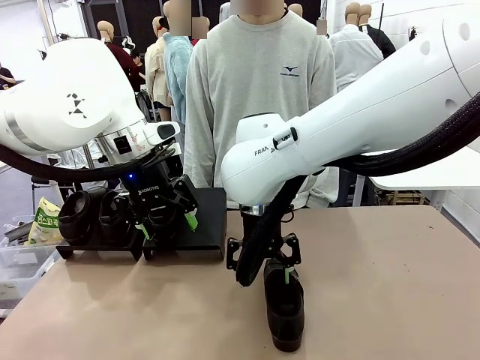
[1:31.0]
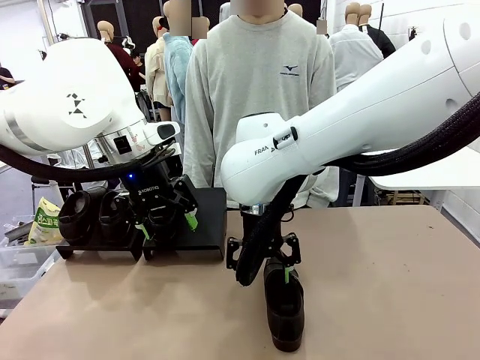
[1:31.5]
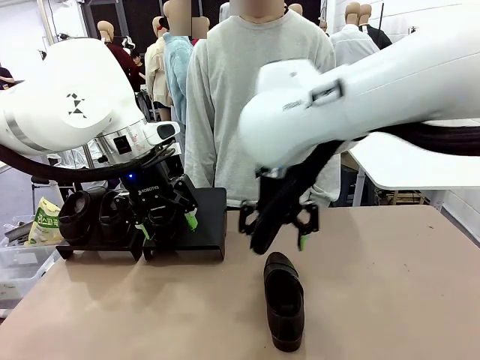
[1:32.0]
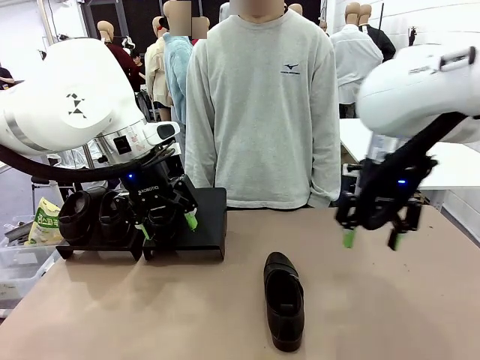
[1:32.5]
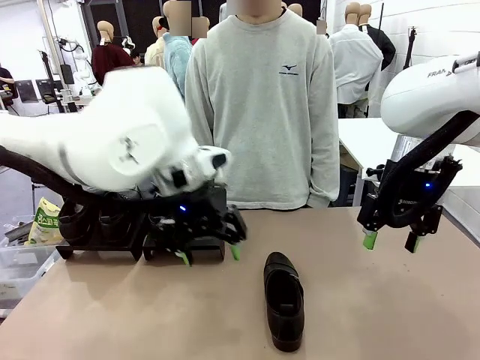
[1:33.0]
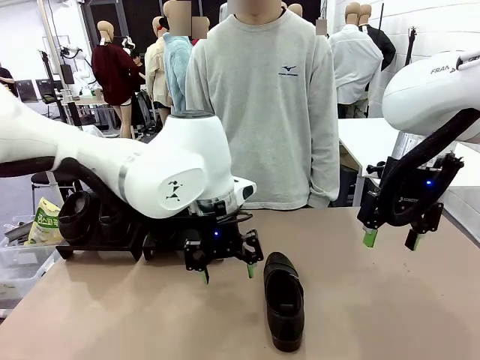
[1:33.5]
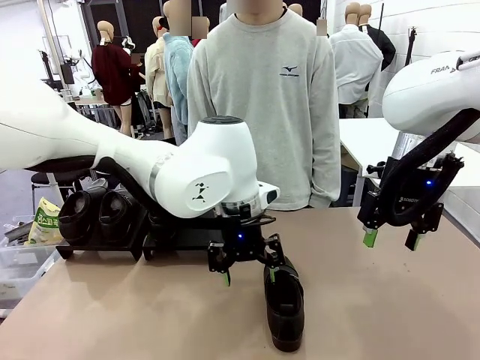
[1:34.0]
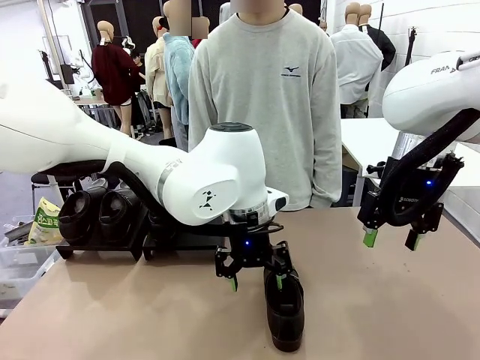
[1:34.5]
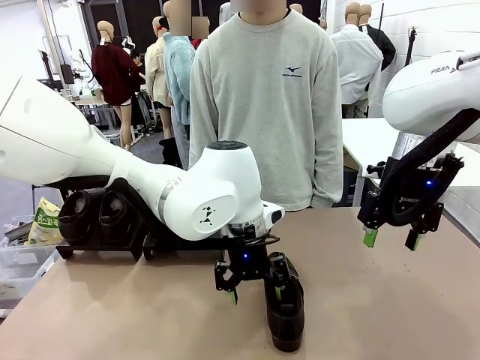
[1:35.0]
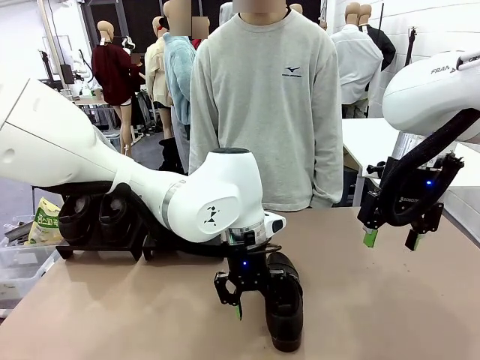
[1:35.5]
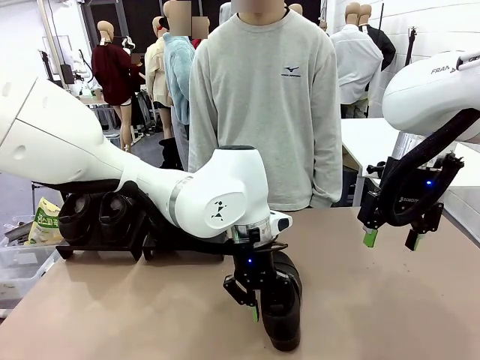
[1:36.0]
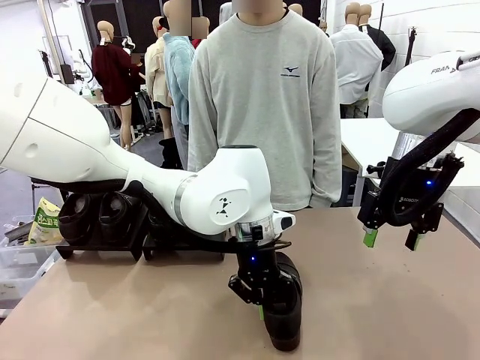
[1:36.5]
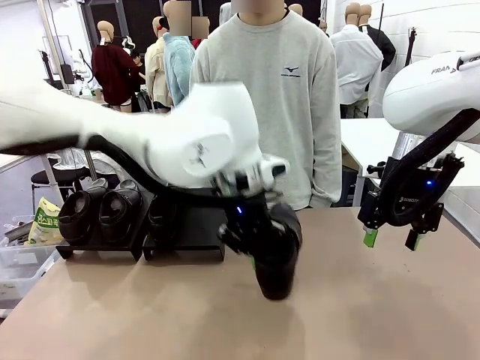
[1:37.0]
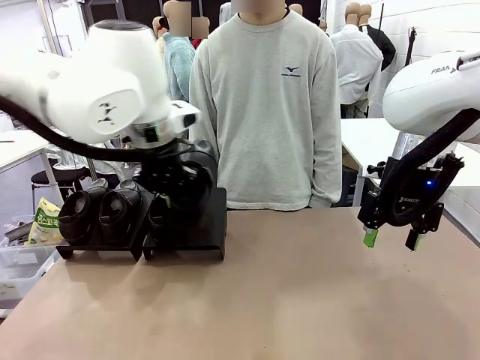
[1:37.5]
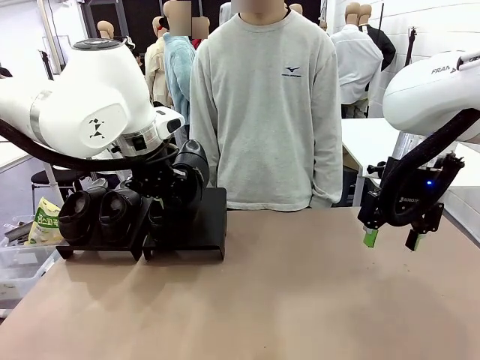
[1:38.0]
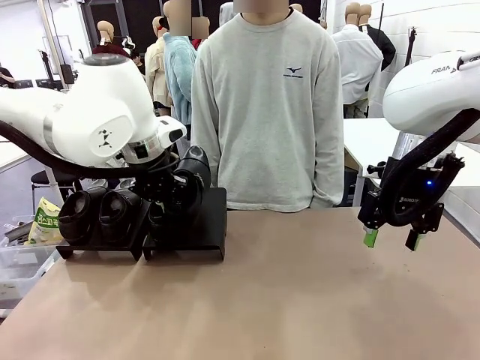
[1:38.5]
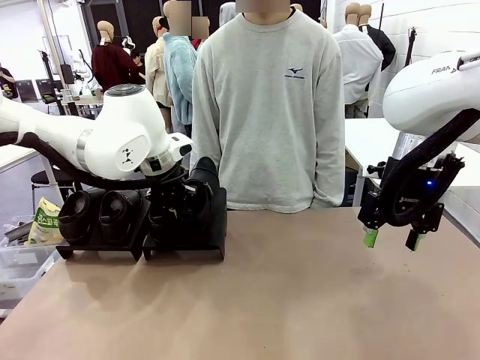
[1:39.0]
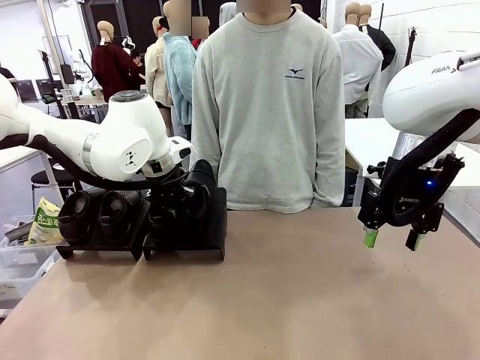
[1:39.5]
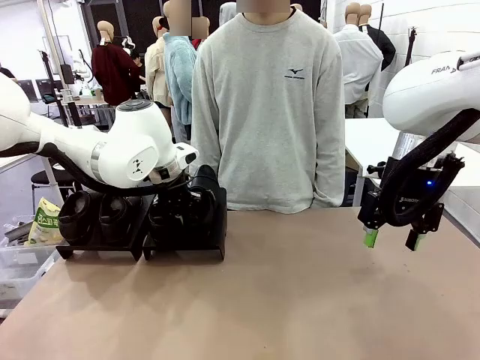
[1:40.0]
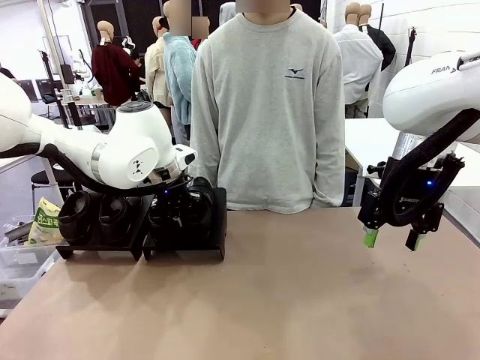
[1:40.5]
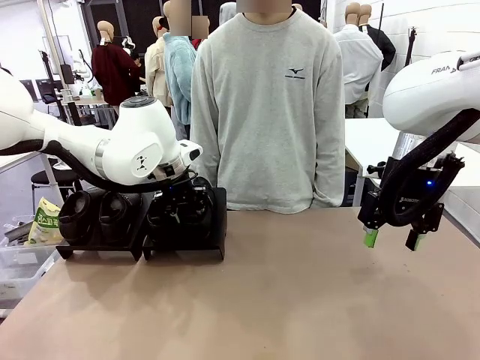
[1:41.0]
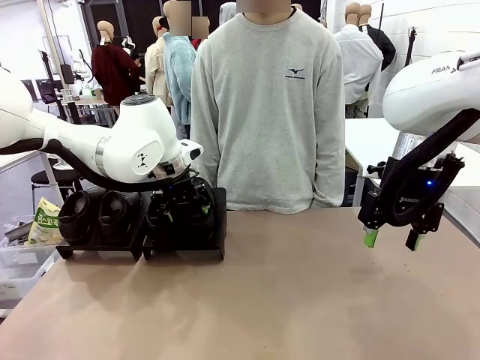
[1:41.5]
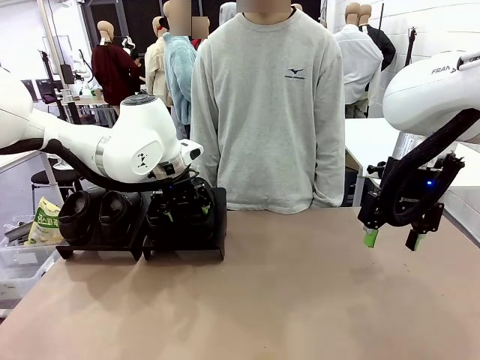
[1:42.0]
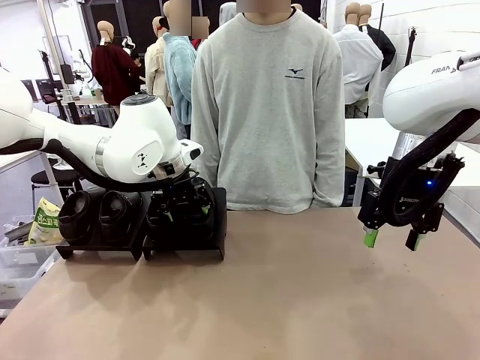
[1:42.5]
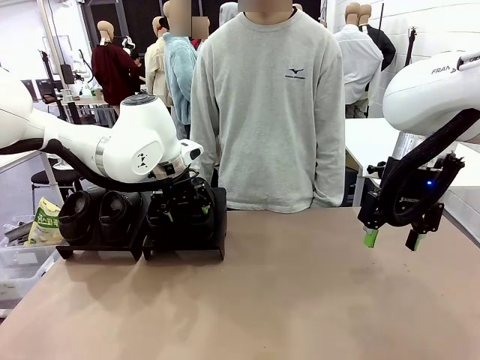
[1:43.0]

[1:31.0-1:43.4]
Task: Organize the shoes by placing them on the stand.
Robot: Place the Shoe from the middle of the table onto the Shoes Stand.

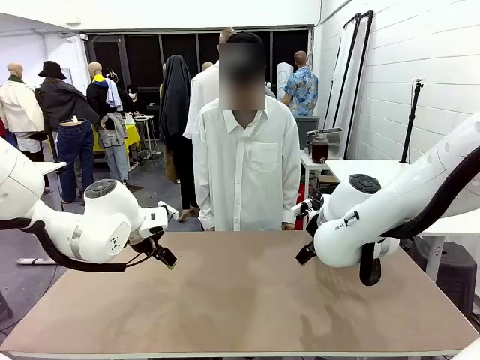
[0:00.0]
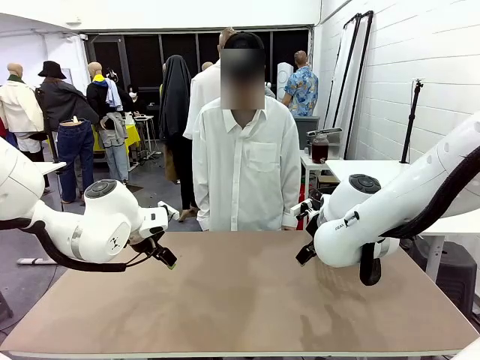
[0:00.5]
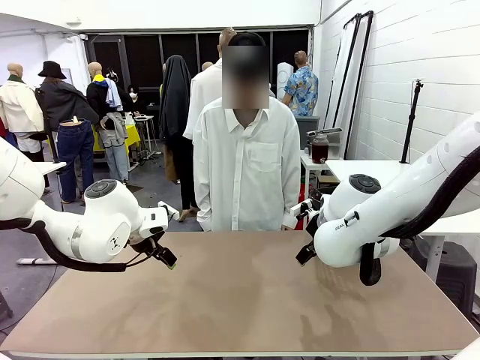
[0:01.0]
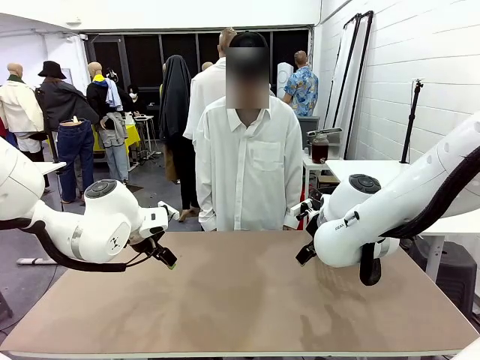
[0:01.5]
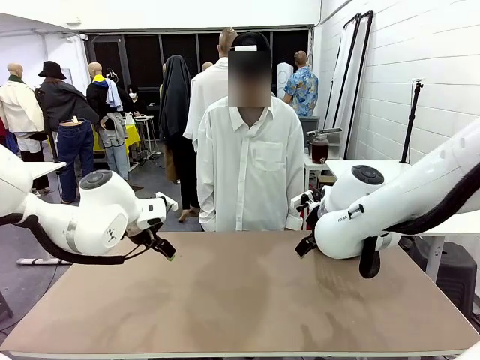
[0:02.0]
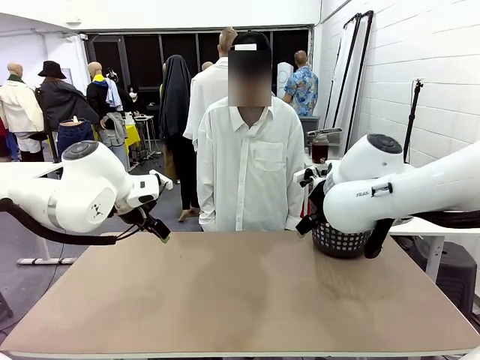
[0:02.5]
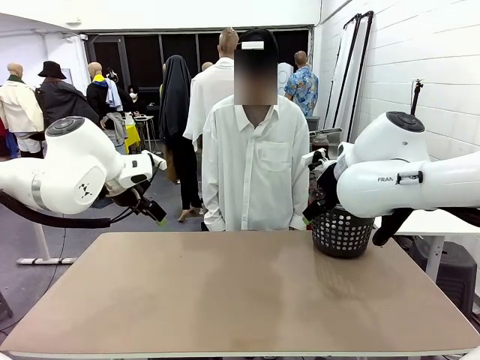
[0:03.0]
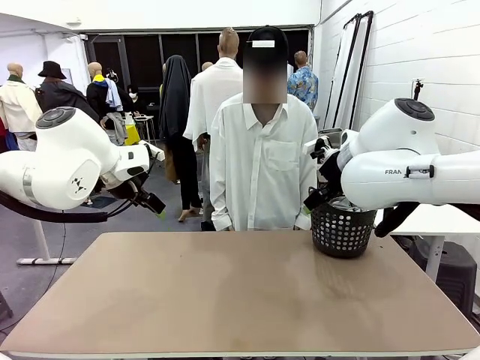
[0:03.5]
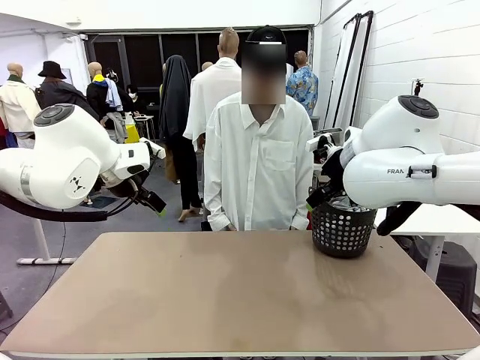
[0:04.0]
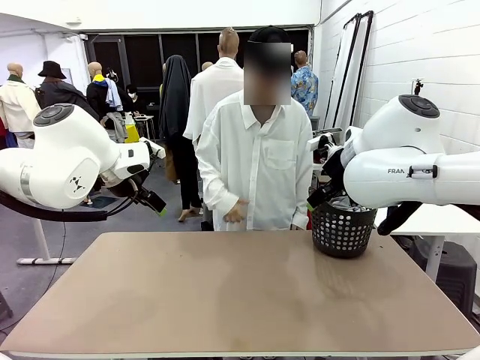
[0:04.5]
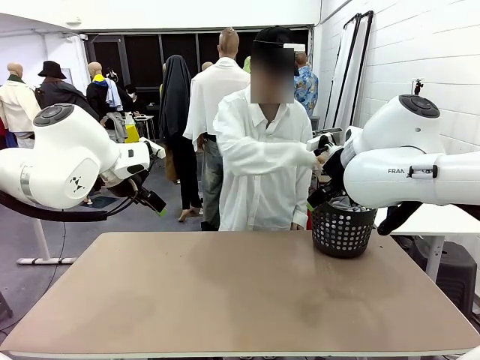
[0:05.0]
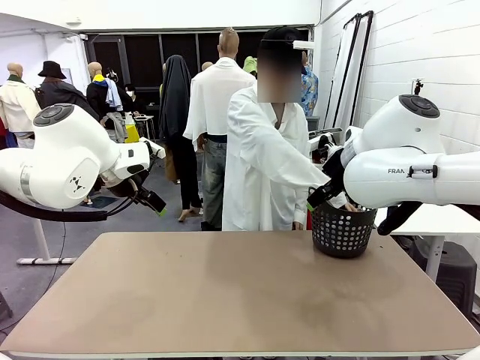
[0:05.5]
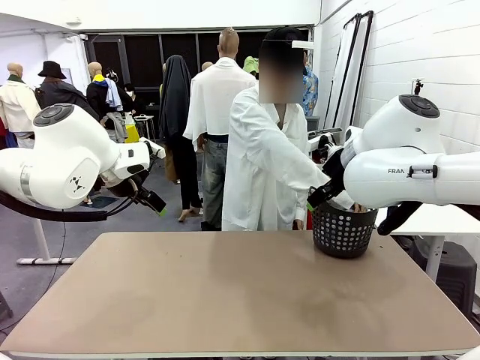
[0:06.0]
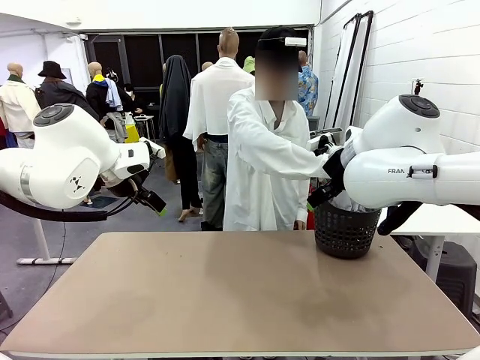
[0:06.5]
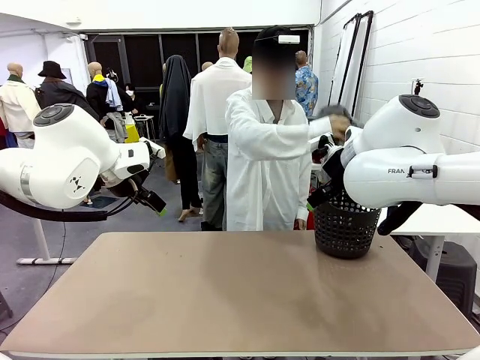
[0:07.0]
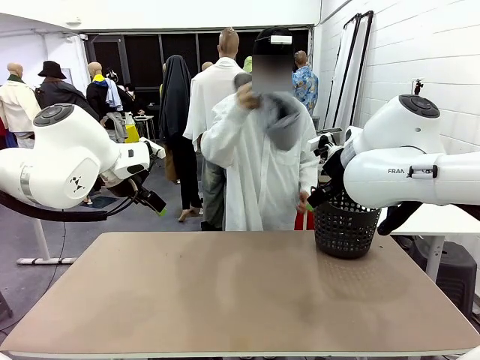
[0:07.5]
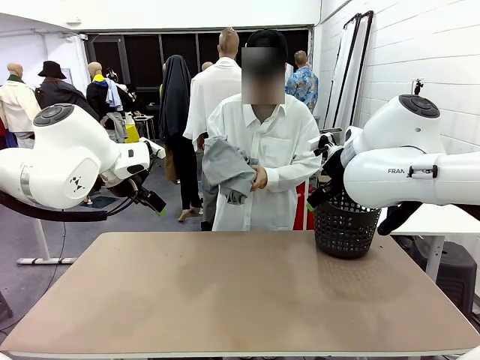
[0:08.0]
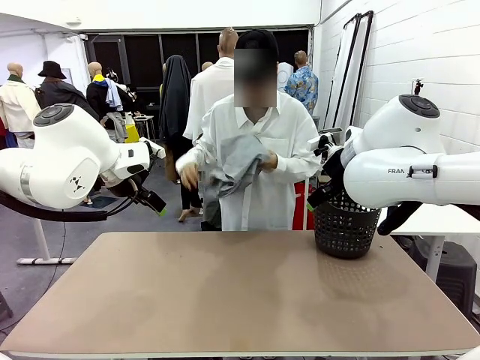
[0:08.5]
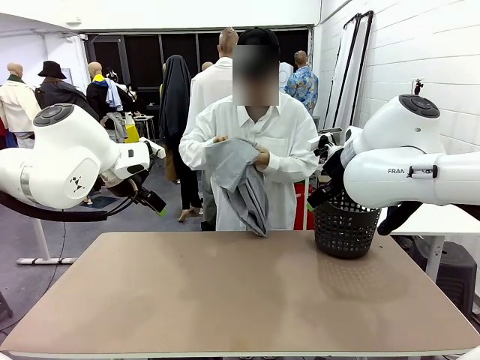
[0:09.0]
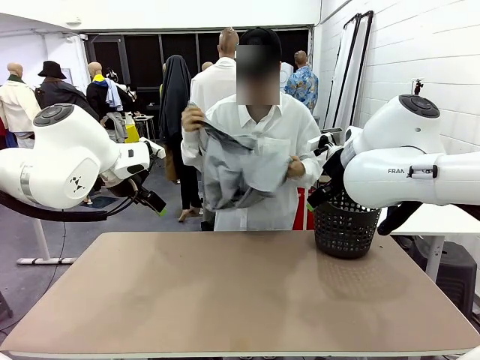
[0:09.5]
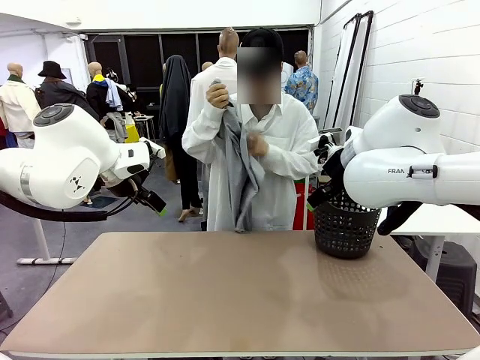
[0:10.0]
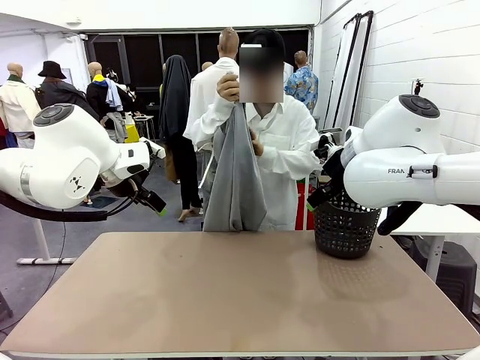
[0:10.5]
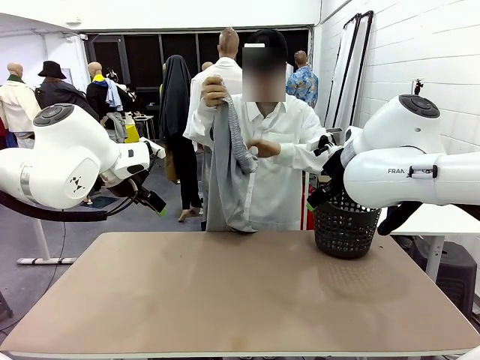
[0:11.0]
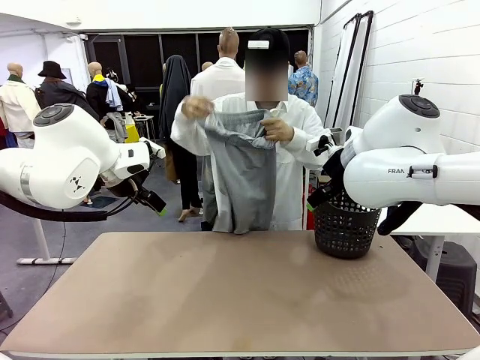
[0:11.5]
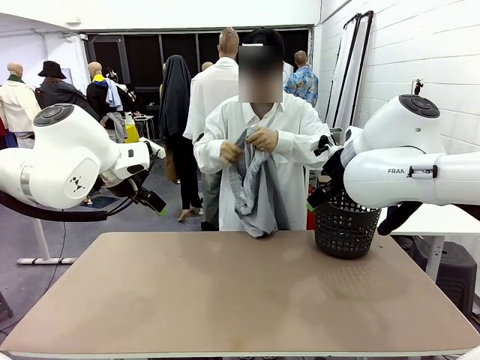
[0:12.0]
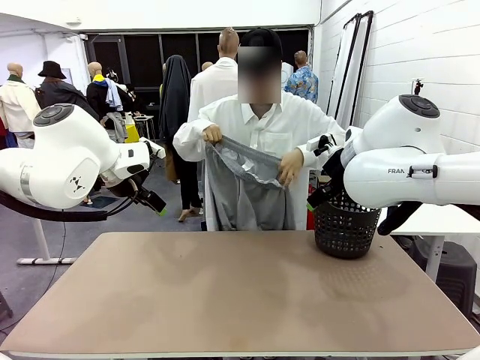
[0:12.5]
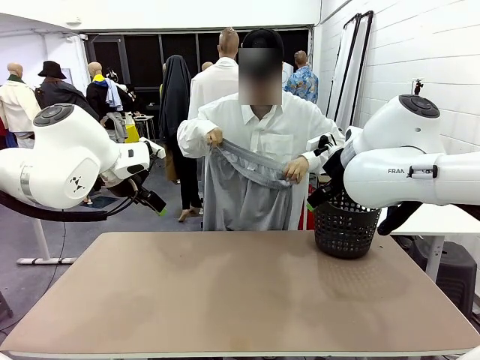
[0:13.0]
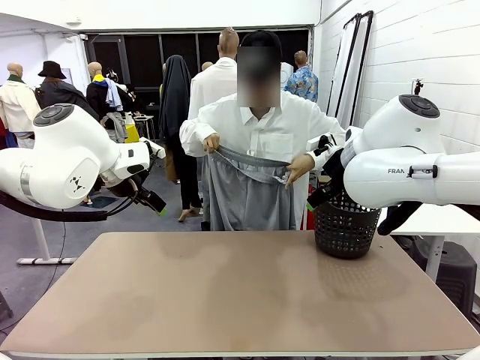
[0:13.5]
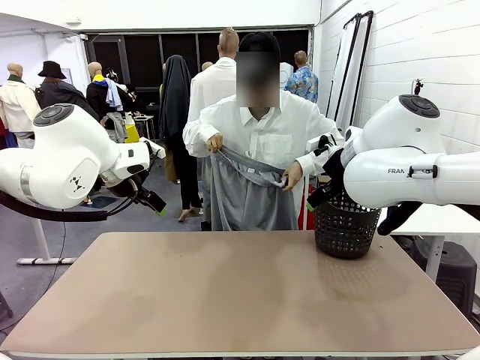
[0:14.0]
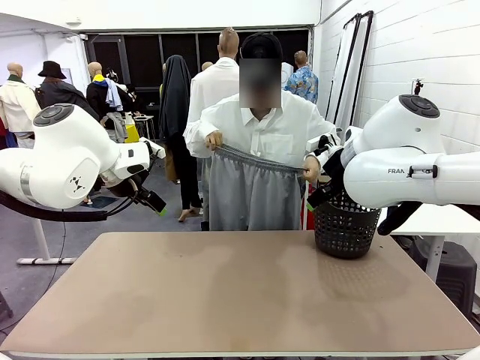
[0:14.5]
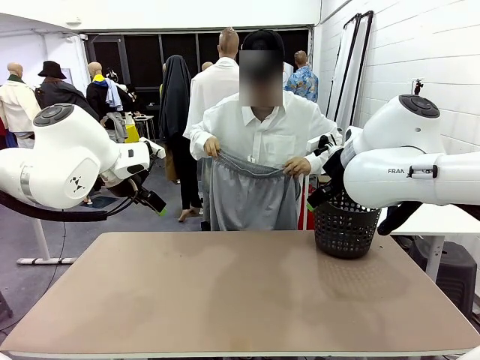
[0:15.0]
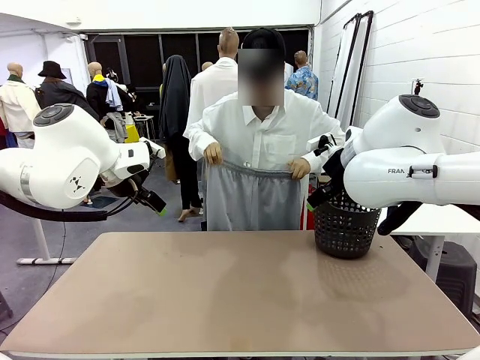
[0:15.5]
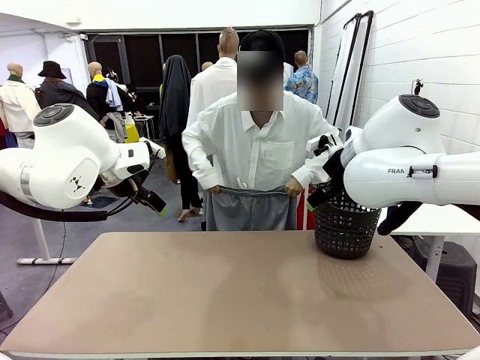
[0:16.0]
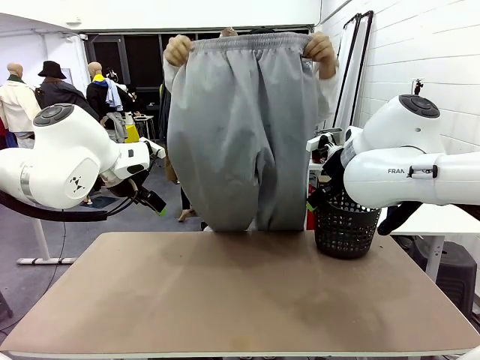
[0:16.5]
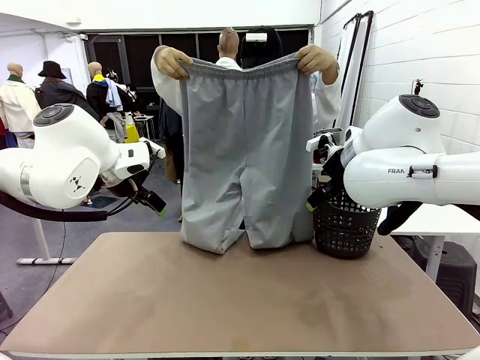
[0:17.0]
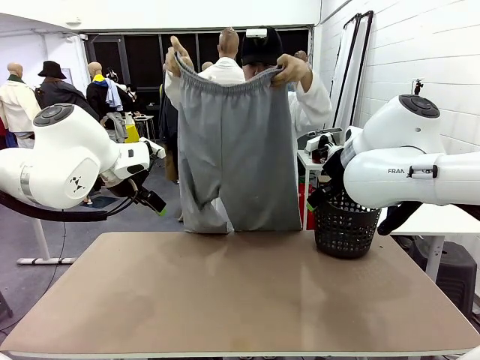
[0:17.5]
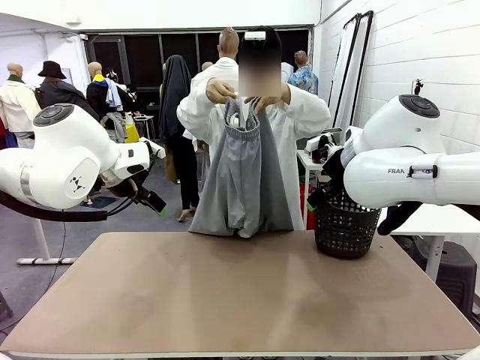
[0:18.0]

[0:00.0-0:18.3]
Task: Fold the training pants.
Robot: Grab both ends of the Training pants handed by a person.
Person: Take the long pants out of the laundry basket, unfold them, fold the waist in half, and extend them so the robot can pick up both corners.
